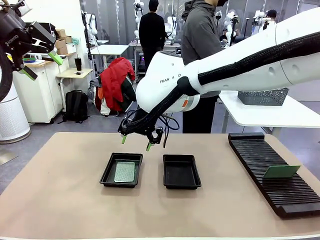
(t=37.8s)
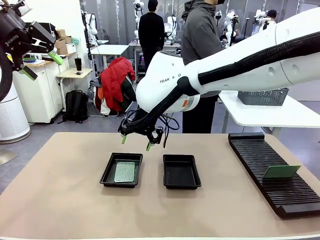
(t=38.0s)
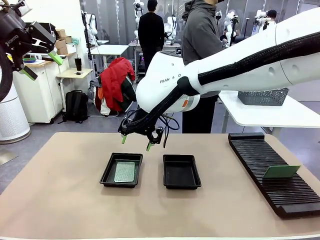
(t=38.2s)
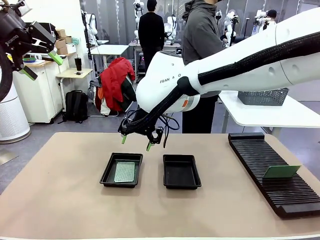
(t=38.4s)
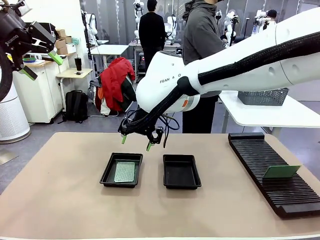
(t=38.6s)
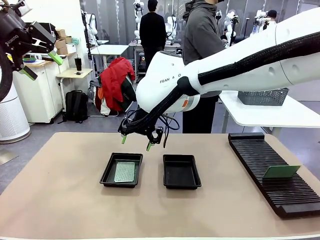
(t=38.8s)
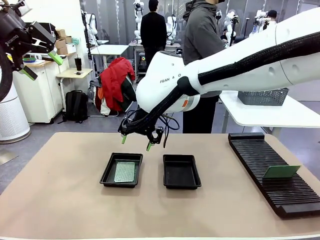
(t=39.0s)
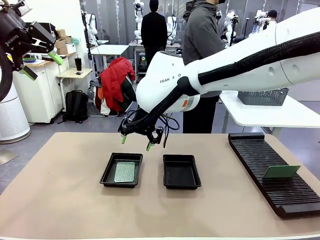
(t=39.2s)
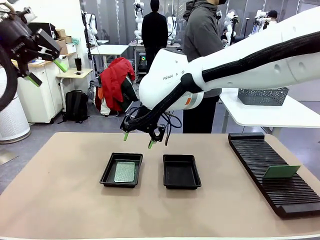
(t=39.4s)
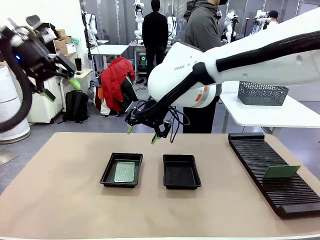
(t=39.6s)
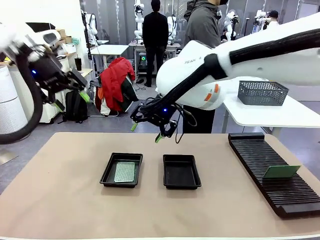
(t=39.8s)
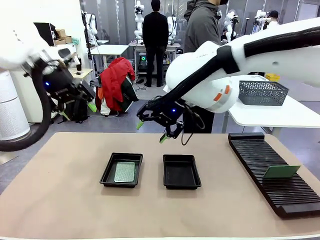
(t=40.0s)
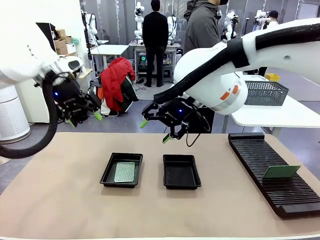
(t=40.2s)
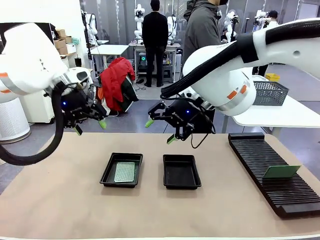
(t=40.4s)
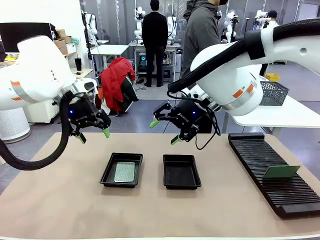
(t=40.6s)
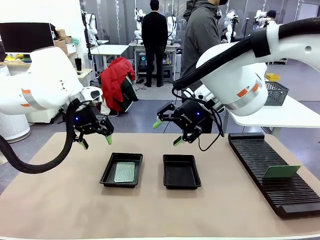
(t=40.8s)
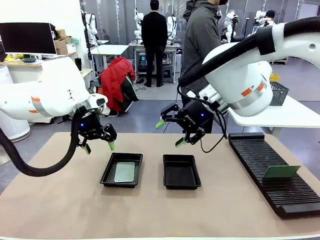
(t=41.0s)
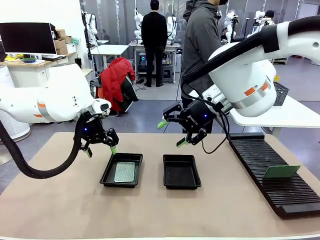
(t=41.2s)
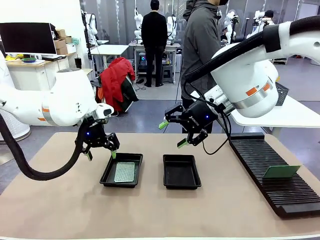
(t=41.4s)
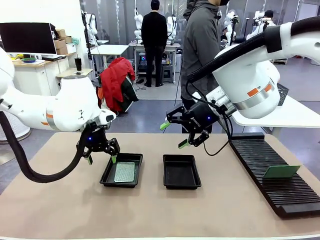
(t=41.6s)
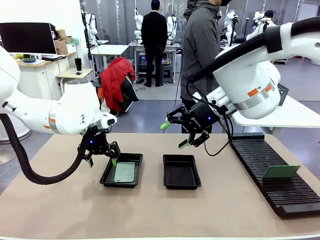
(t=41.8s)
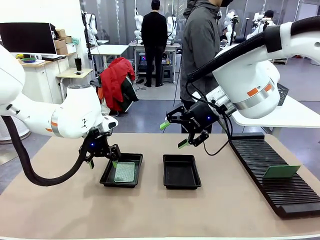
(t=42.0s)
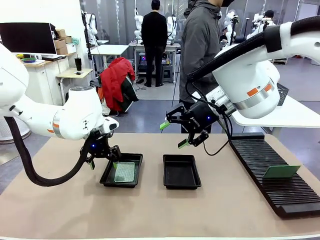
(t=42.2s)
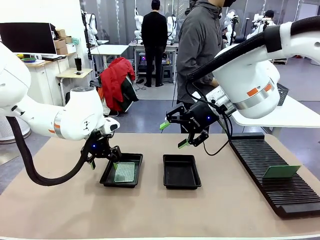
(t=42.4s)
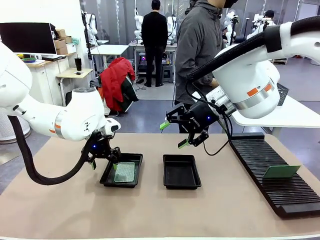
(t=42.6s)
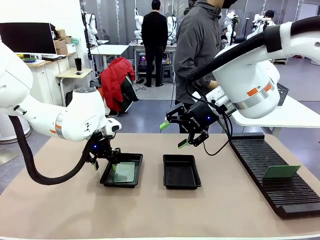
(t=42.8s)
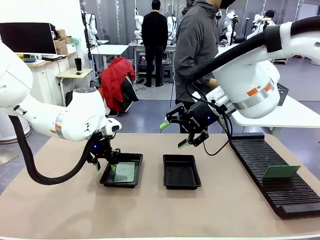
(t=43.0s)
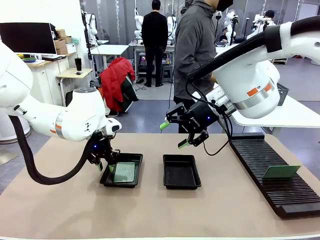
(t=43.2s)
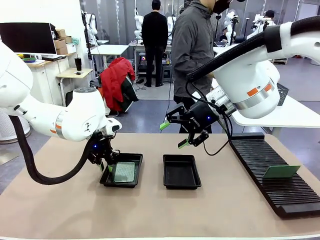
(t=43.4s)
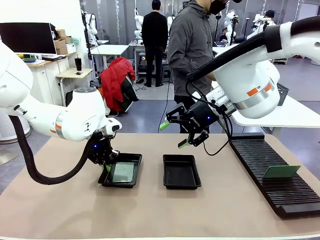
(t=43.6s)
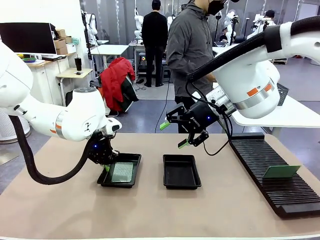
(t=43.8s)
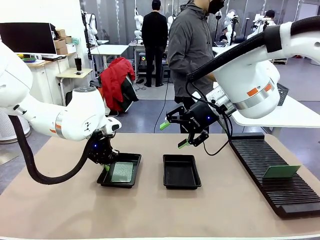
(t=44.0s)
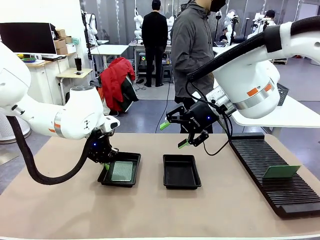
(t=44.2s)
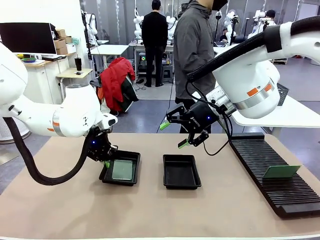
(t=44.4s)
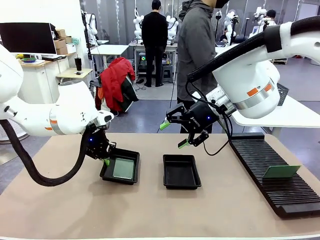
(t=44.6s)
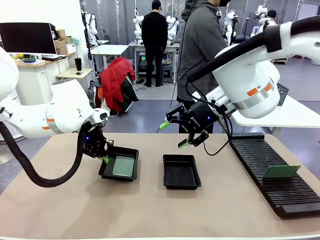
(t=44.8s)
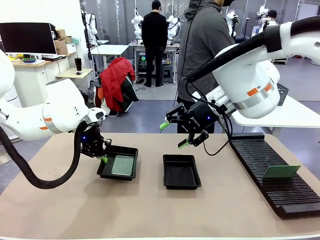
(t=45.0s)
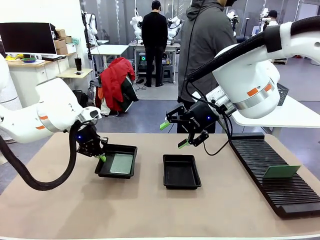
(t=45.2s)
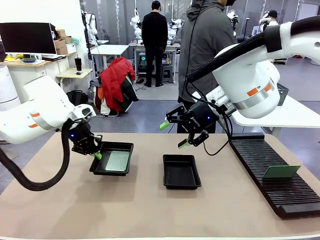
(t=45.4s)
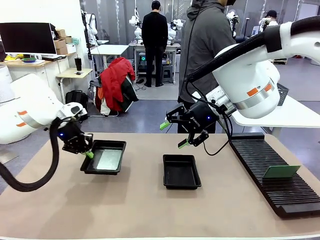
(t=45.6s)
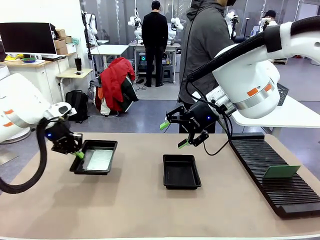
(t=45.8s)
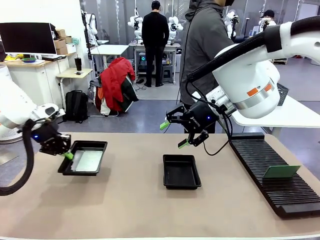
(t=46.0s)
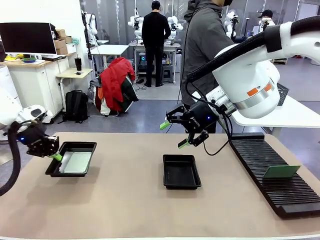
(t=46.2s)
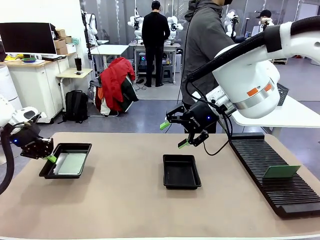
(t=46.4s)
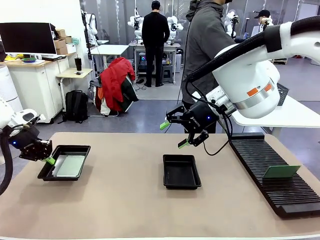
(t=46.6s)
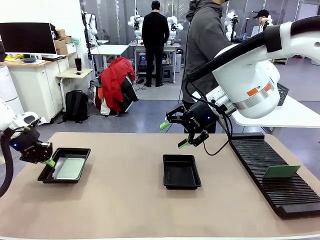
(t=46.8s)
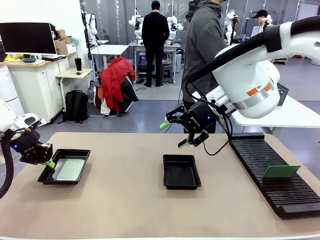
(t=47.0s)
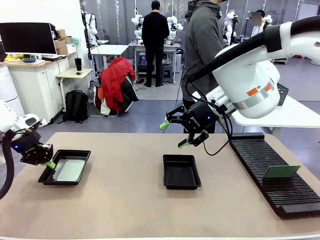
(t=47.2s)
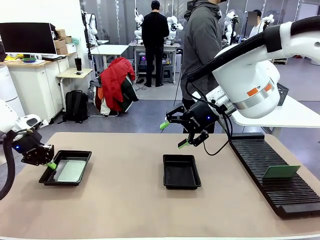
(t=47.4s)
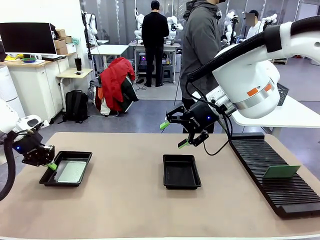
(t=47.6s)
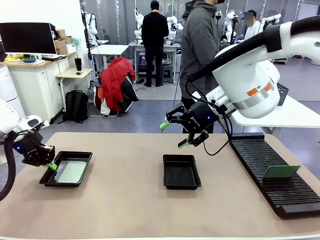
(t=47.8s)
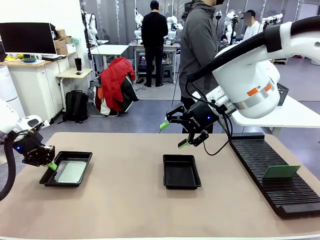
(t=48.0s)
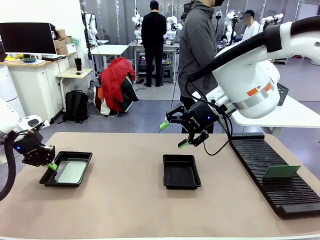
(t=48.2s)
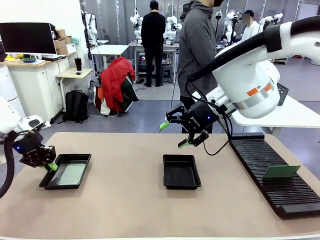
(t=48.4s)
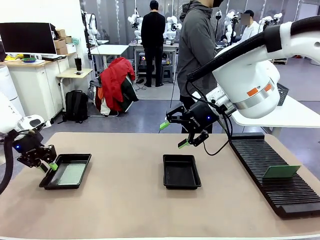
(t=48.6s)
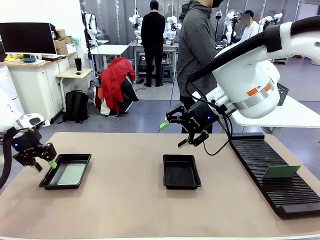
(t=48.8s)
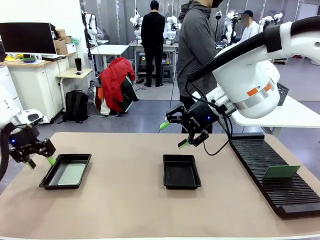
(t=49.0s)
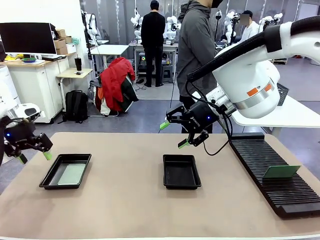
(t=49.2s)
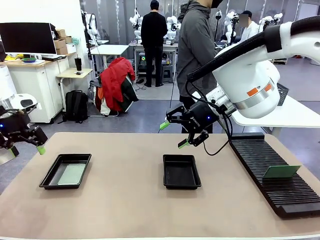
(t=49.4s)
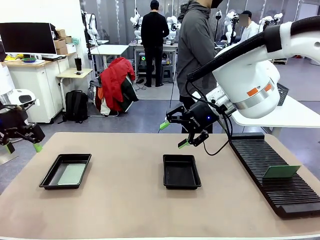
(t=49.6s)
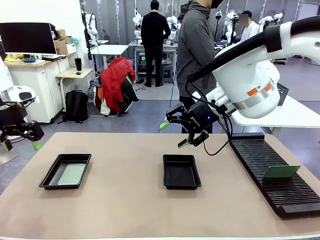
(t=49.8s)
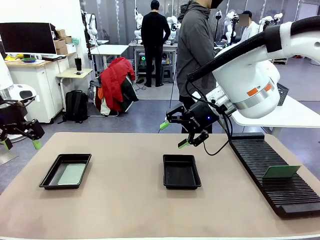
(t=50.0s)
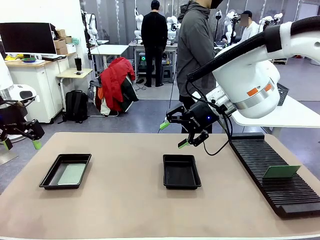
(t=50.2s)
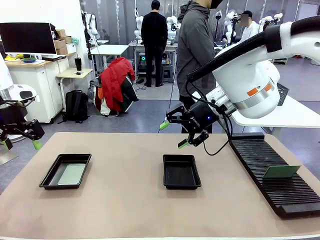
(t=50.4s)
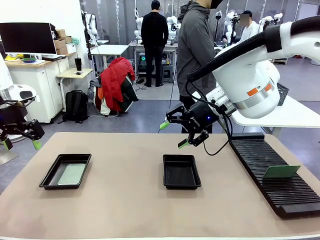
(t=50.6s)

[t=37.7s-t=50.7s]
Task: Inspect and transfer BCBs to ESD trays.
Robot: Pick up the ESD tray and place it on the left side of the table.

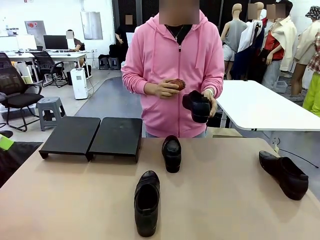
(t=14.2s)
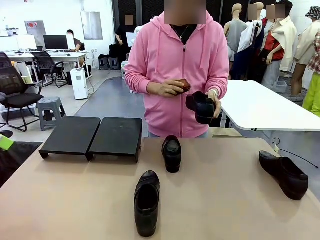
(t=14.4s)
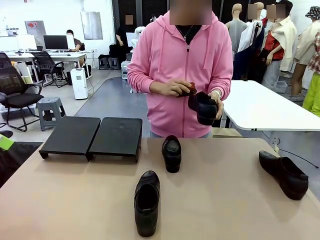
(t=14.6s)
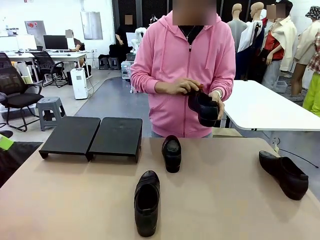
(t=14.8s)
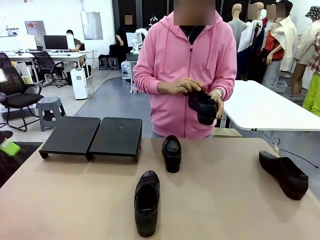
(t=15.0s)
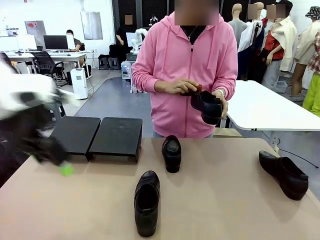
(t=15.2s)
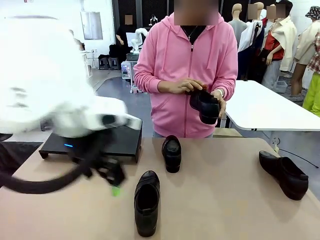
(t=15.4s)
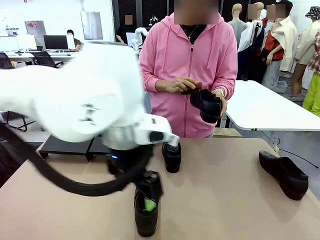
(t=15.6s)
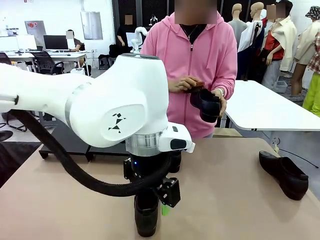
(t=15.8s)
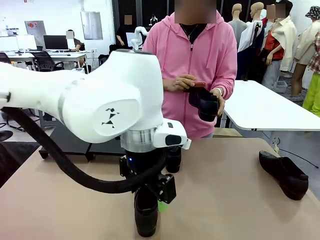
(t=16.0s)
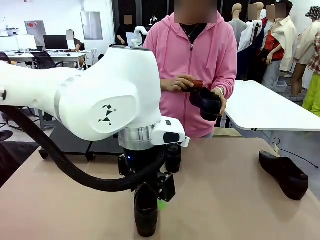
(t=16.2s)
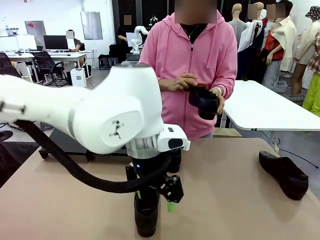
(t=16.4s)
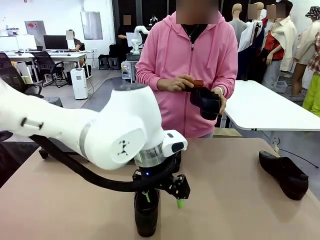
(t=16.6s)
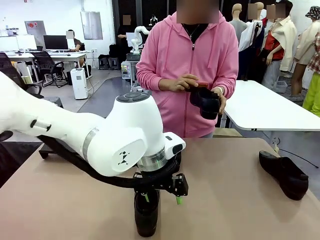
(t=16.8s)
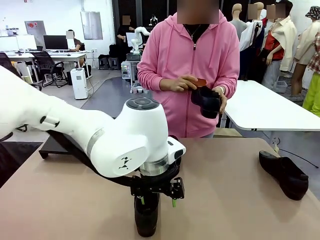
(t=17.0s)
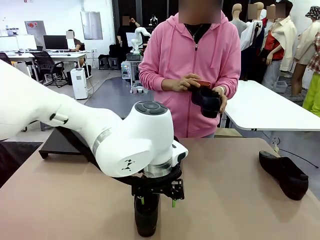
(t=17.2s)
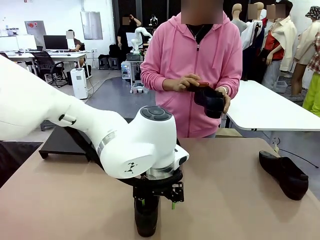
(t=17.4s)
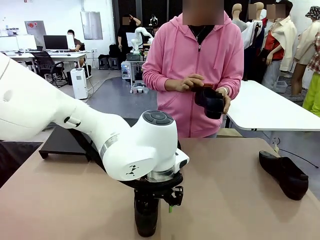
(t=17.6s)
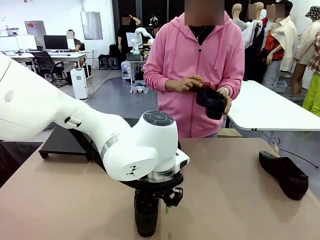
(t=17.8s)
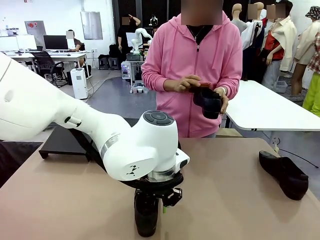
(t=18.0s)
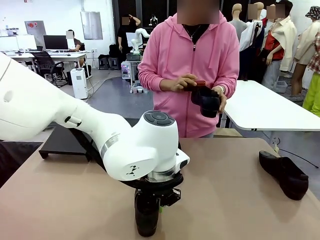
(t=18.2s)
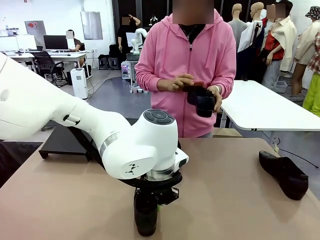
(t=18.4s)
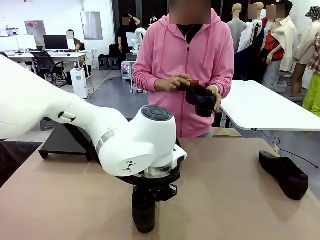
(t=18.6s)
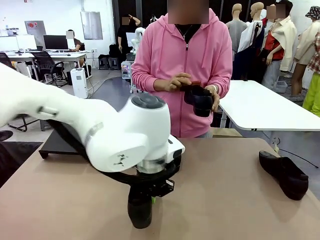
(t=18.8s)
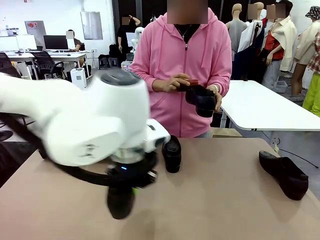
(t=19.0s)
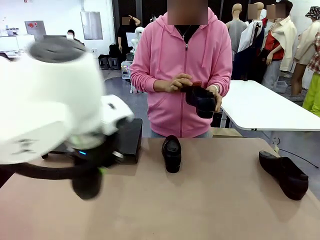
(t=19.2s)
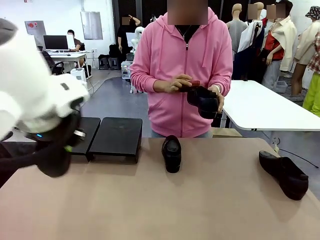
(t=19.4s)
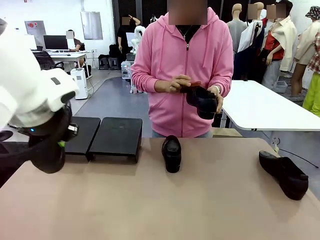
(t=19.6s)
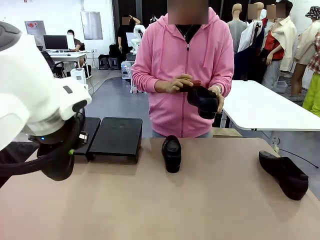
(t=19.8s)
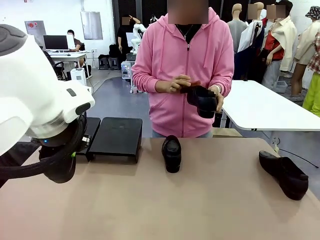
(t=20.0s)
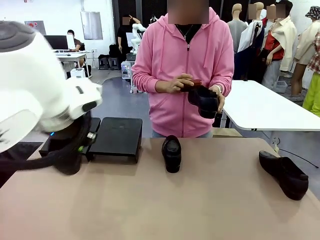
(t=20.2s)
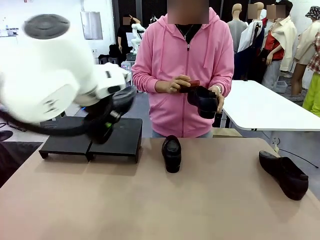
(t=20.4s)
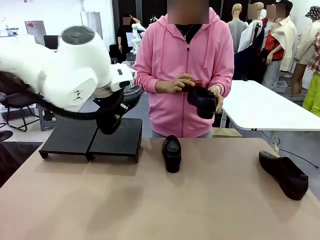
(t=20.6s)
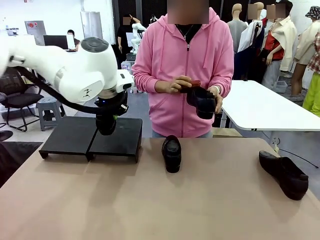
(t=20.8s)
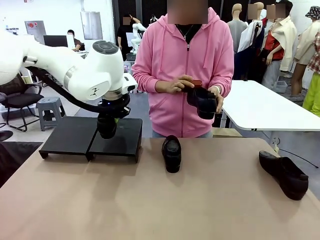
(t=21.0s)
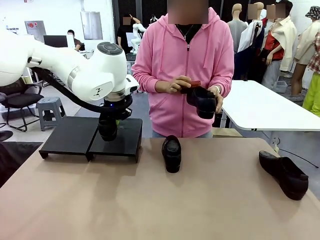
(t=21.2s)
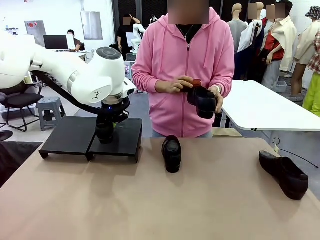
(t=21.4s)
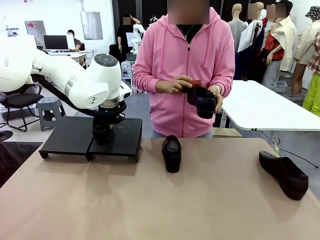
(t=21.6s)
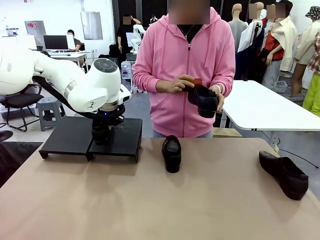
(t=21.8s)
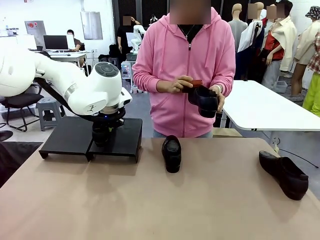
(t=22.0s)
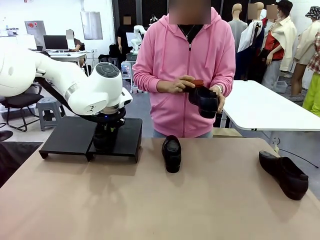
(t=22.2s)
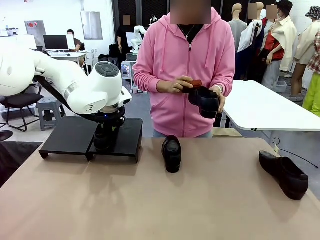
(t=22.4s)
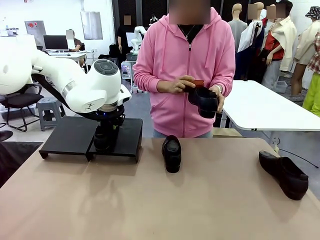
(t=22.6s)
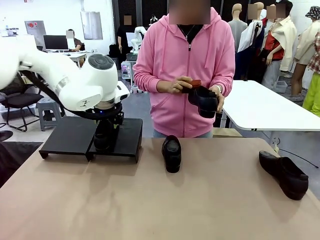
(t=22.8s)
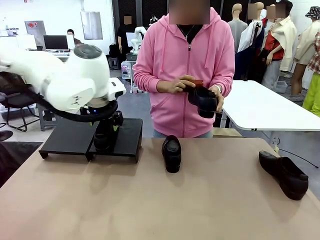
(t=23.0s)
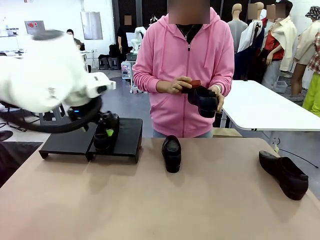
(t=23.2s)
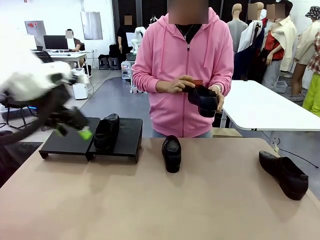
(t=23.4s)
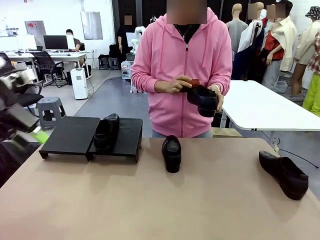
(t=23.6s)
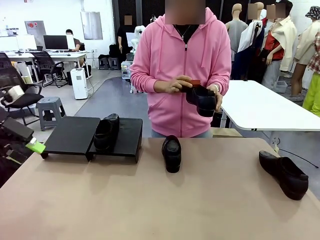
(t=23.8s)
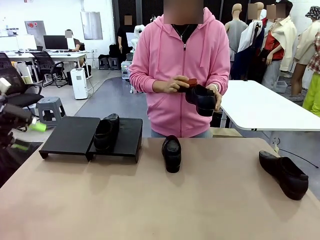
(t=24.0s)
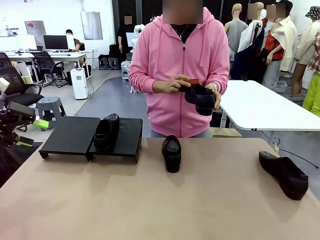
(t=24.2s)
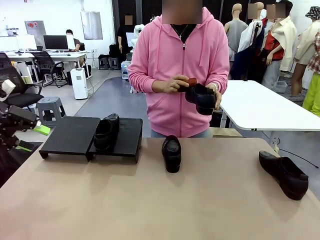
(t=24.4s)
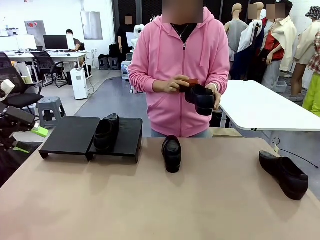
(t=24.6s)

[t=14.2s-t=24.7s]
Task: Organize the shoes by placing them on the stand.
Robot: Place the Shoe from the middle of the table onto the Shoes Stand.
Person: Clean the Shoe with the Shoe Brush.
